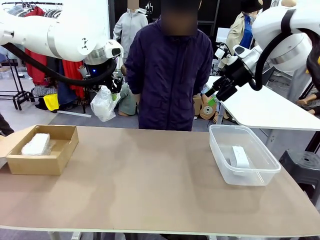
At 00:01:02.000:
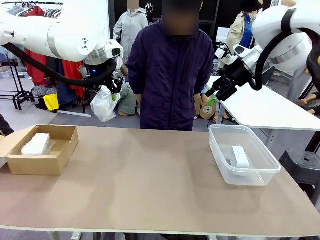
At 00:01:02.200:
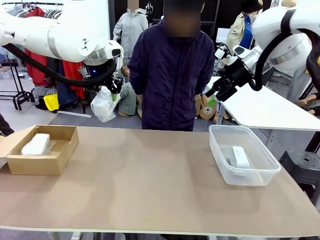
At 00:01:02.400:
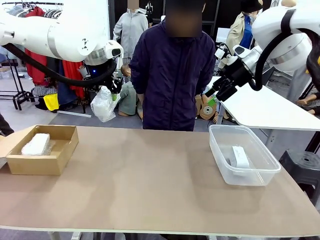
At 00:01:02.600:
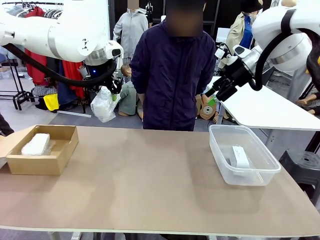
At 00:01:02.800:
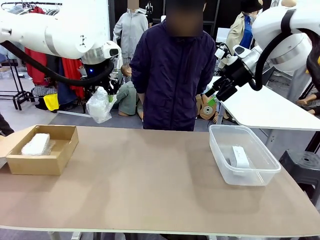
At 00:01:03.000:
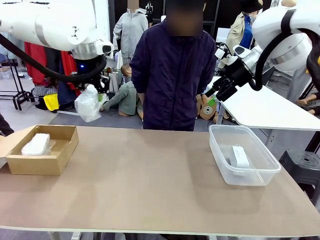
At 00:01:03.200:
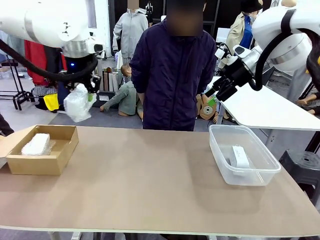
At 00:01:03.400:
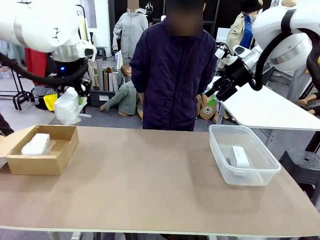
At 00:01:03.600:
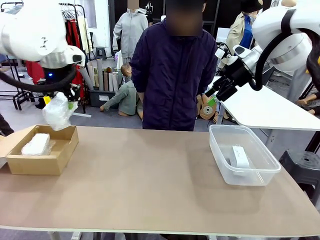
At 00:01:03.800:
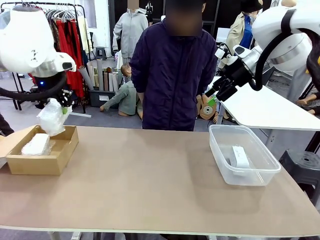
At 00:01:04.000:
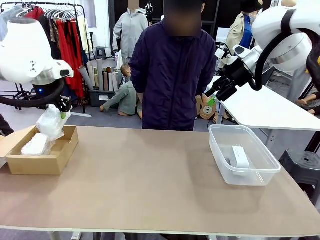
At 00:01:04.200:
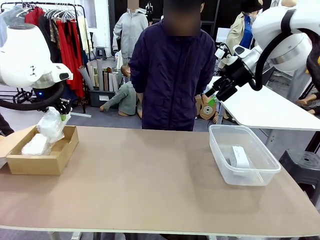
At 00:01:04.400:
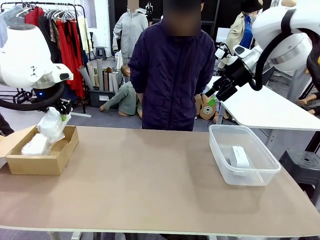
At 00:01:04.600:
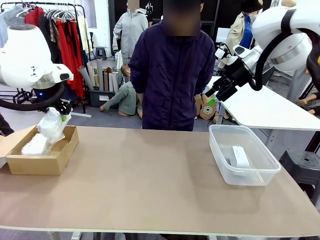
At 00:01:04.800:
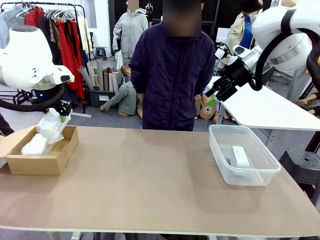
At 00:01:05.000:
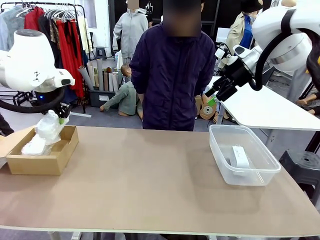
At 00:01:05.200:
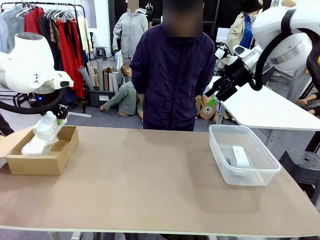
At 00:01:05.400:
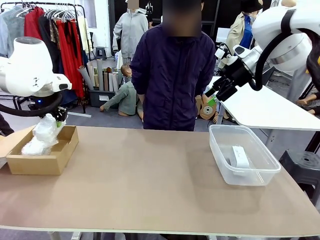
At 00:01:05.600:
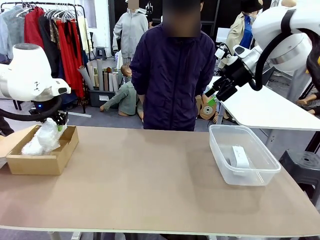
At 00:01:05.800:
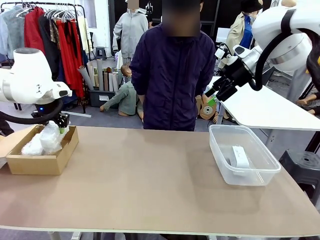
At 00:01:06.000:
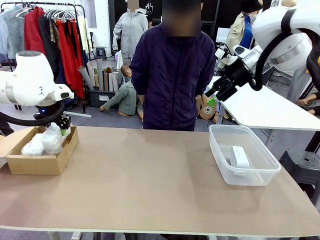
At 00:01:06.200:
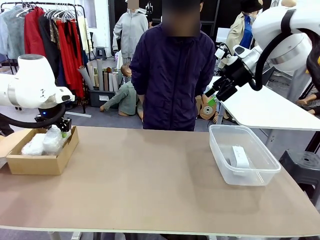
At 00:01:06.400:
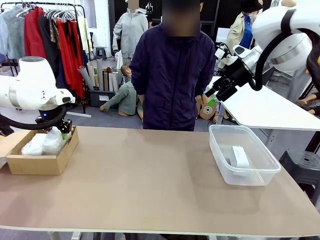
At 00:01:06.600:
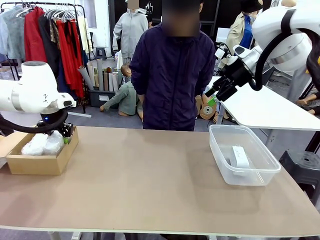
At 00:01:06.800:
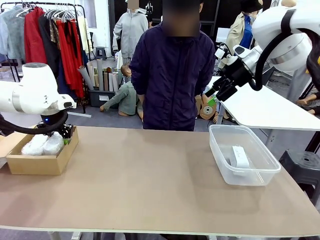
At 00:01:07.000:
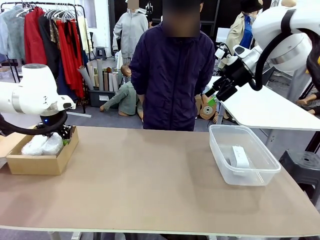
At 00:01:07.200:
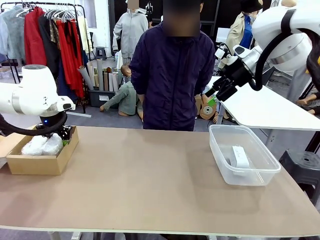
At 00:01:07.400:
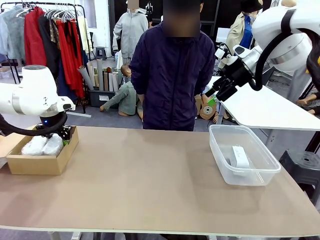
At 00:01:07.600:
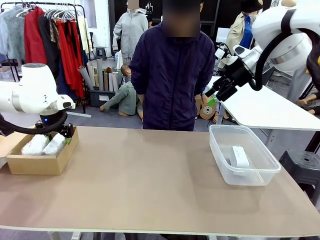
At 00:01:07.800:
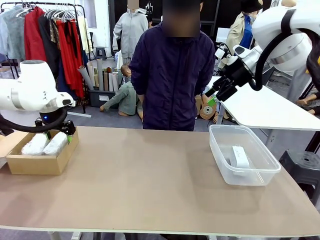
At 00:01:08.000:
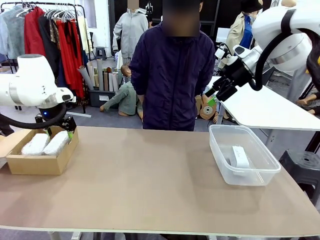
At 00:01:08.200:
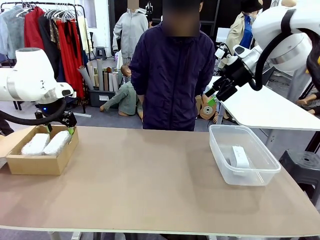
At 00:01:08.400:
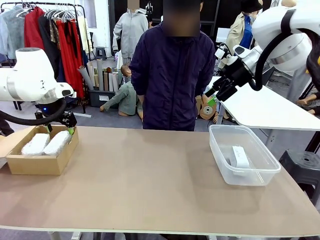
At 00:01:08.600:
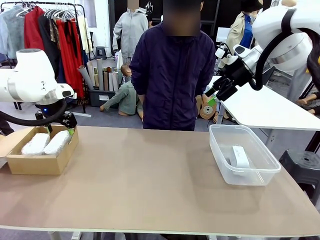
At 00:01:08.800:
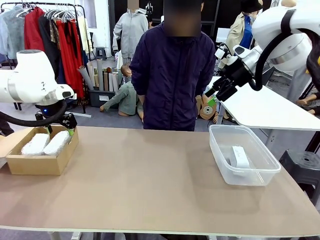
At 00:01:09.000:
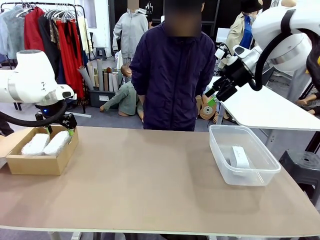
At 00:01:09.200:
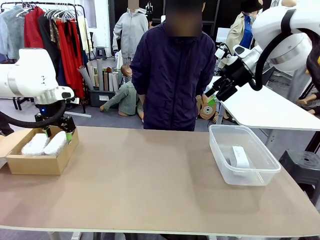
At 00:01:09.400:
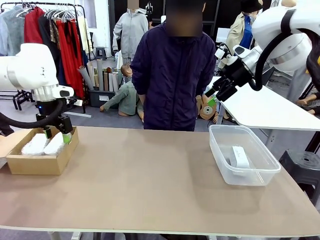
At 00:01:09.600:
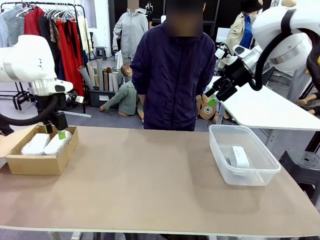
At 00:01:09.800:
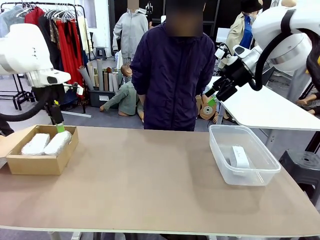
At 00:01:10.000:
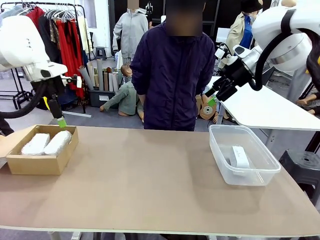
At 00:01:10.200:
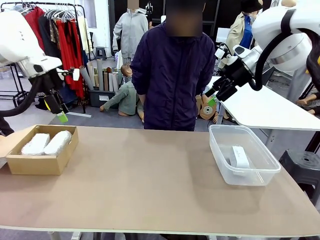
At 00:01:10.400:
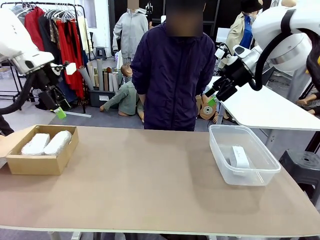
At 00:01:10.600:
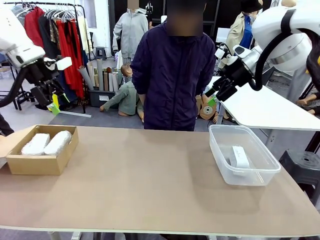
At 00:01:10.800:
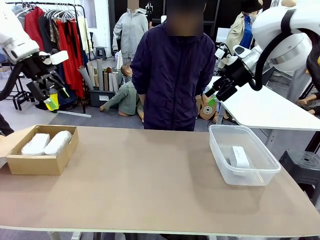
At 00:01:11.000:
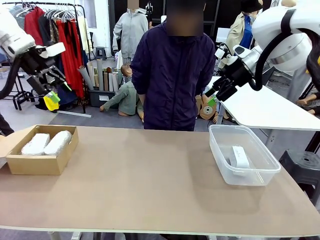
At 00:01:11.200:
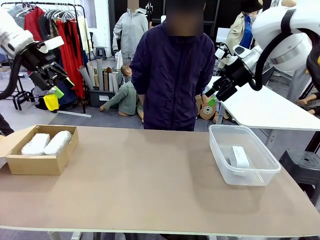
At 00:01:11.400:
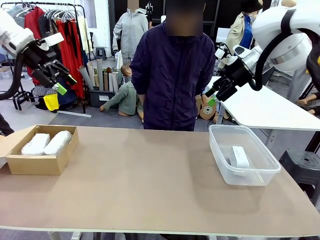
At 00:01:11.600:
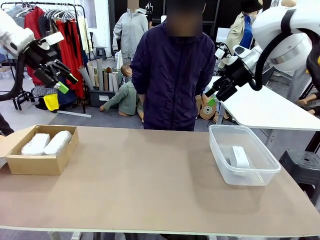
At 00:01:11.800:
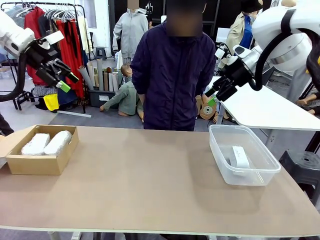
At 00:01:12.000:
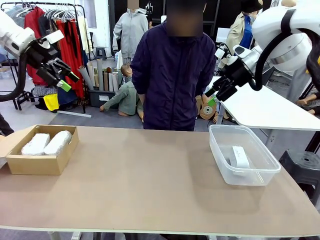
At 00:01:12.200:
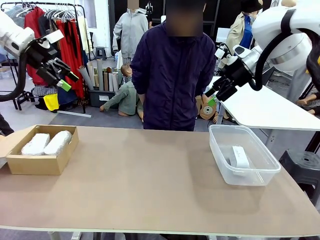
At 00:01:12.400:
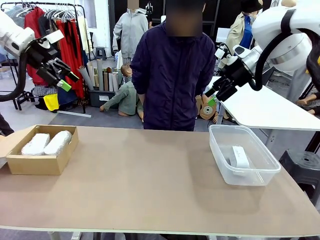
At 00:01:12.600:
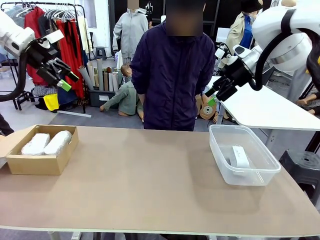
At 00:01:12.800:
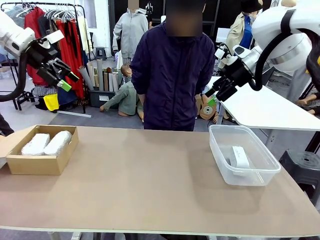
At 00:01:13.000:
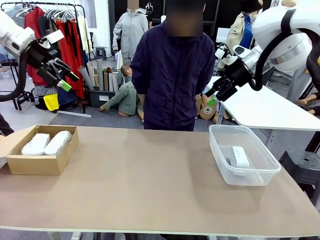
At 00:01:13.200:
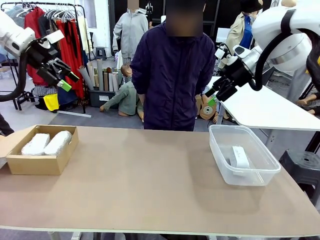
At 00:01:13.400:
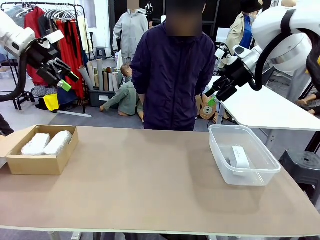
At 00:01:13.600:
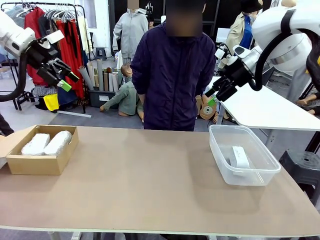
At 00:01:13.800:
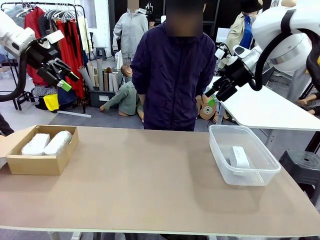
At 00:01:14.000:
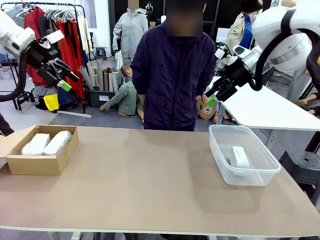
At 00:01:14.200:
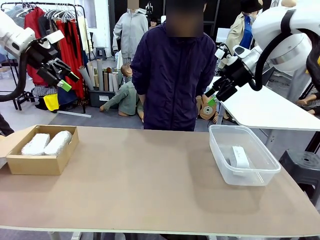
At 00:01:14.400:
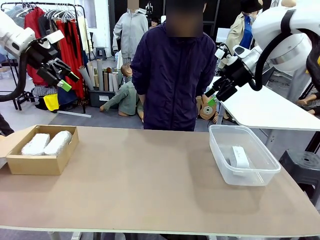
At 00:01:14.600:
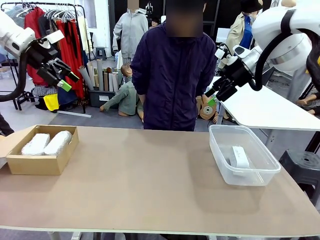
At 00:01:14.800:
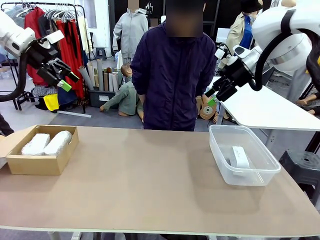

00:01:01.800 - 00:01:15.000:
Task: Separate and place wrapped and unwrapped clocks.
Robot: If the picked Digital clock is wrapped, place it in the Package Box ; if not, place it in the Organizing box.

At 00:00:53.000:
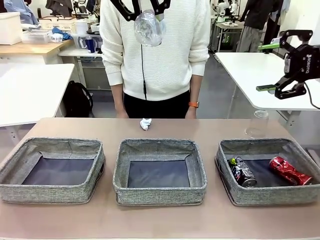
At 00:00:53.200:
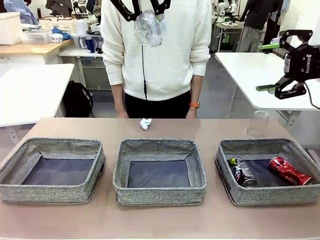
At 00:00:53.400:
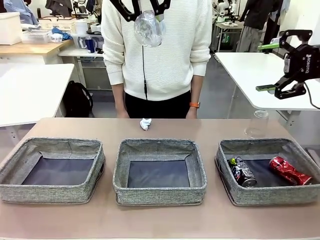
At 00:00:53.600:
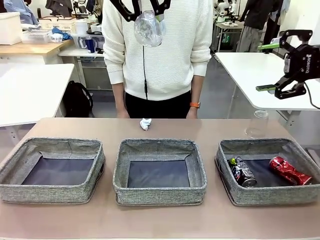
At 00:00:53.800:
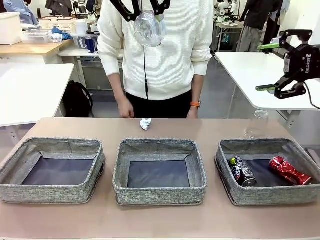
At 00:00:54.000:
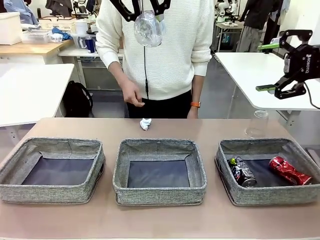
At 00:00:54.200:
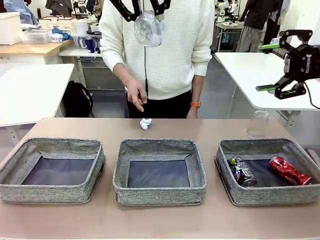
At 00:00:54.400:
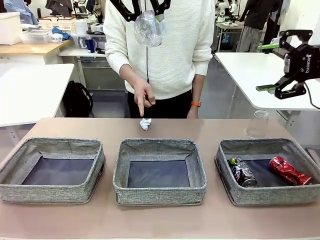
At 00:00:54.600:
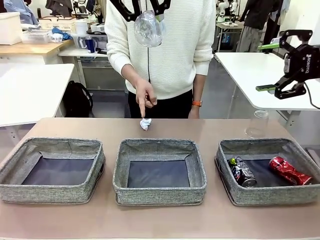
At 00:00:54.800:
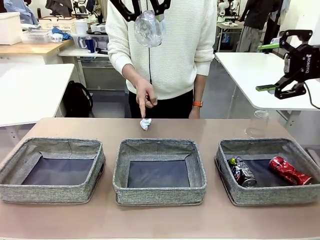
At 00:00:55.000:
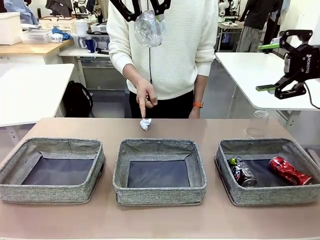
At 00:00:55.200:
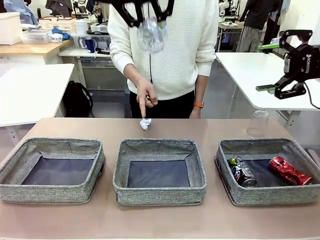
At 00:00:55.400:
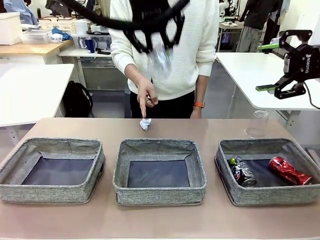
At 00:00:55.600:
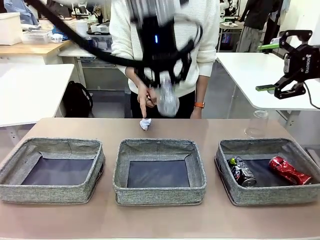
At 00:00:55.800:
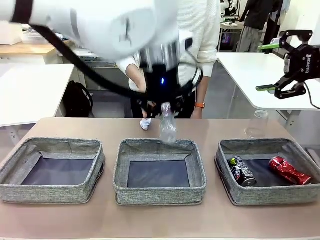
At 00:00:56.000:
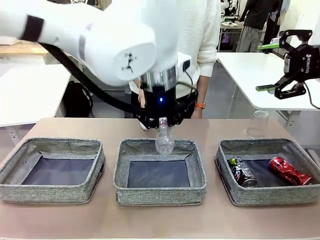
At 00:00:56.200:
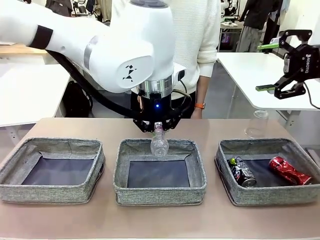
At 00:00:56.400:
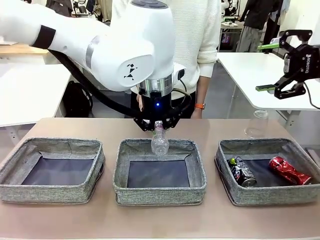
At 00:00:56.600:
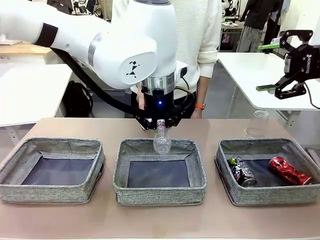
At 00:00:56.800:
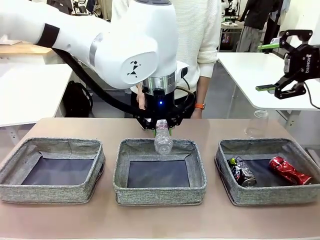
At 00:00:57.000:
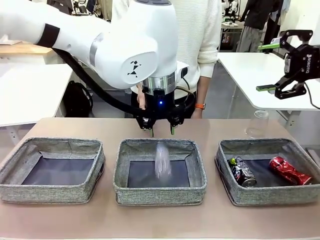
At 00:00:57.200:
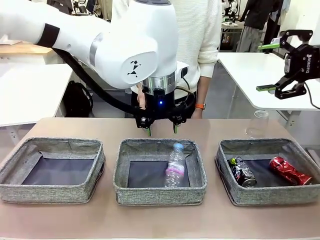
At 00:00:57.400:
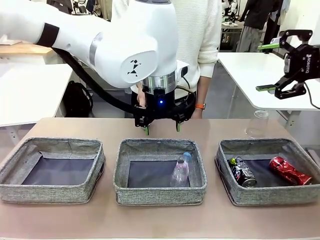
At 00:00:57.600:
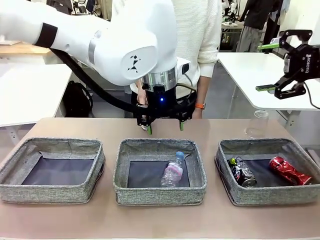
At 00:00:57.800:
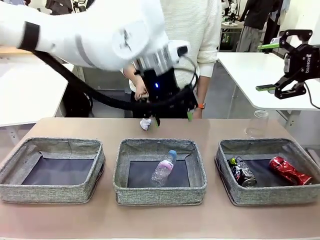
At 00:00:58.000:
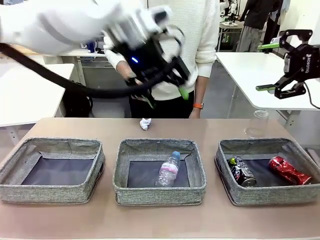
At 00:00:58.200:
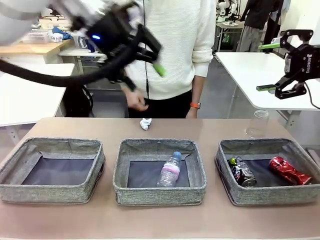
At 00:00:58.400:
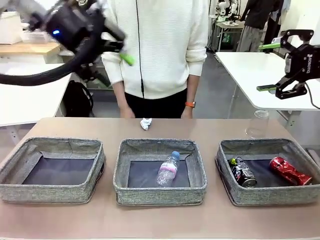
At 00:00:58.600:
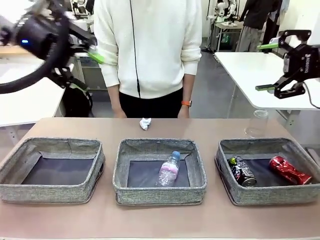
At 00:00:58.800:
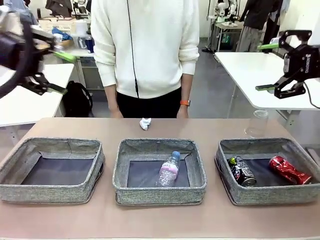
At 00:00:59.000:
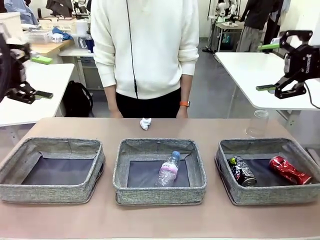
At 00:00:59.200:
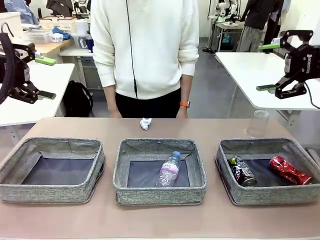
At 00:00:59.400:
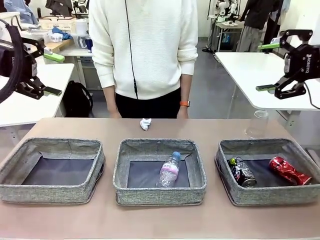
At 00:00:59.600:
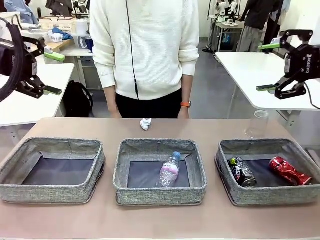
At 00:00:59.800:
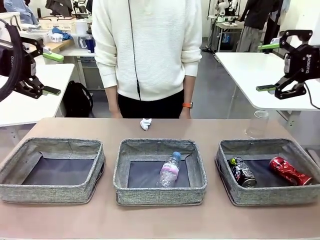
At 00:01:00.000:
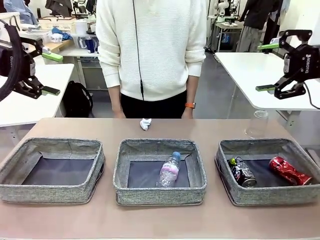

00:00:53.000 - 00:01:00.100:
Task: Sort the waste into the appropriate baskets.
Robot: Place the picked waste into the Fabric basket indicated by the person.
Person: Instructs the robot to place the picked-up trash into the appropriate organizing basket.
